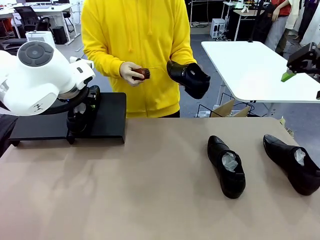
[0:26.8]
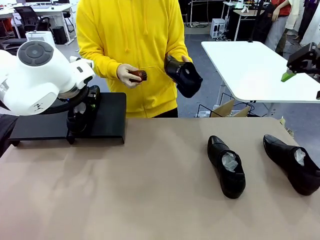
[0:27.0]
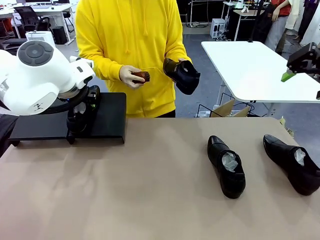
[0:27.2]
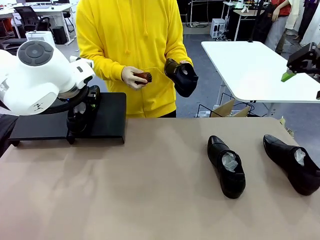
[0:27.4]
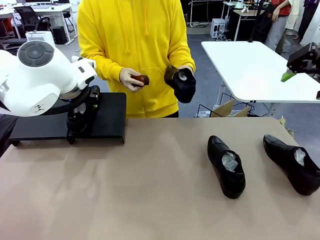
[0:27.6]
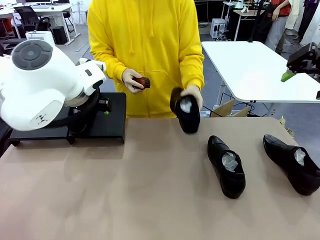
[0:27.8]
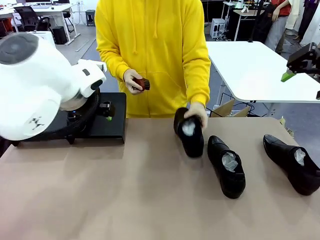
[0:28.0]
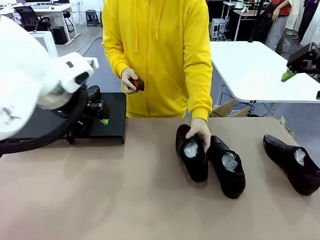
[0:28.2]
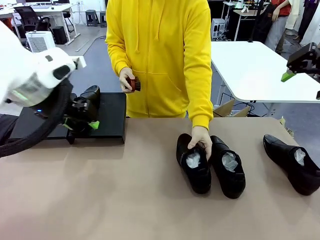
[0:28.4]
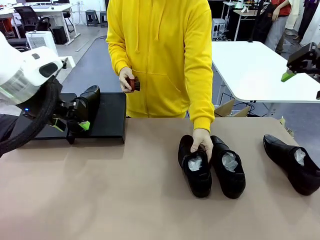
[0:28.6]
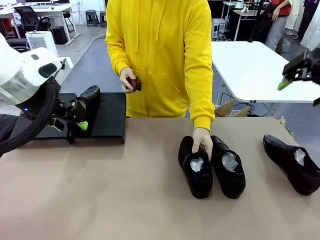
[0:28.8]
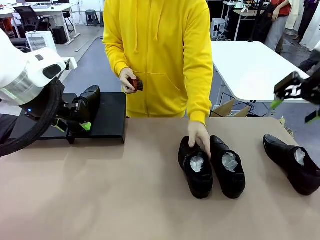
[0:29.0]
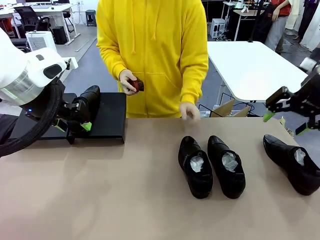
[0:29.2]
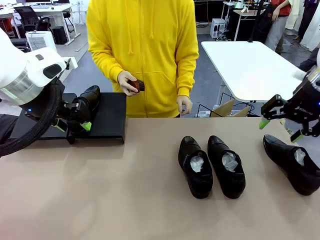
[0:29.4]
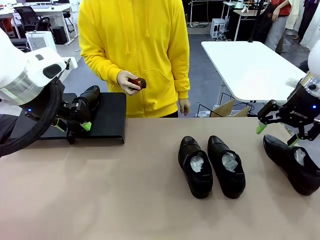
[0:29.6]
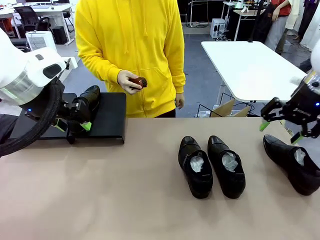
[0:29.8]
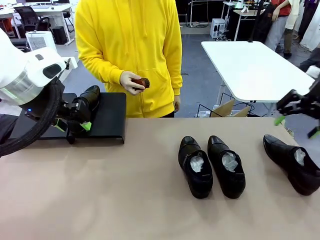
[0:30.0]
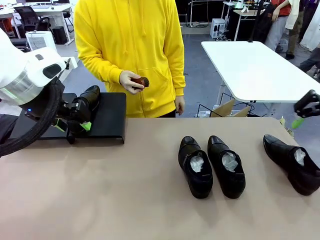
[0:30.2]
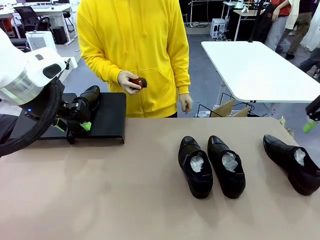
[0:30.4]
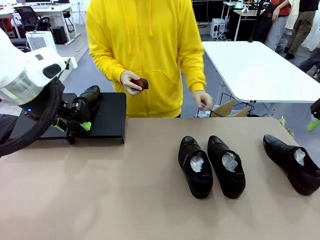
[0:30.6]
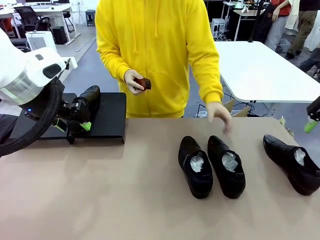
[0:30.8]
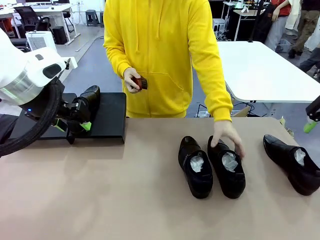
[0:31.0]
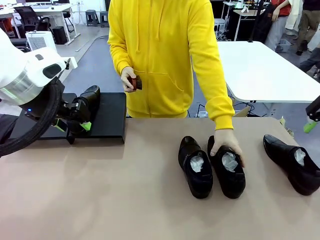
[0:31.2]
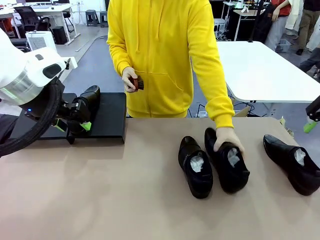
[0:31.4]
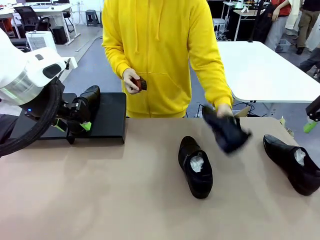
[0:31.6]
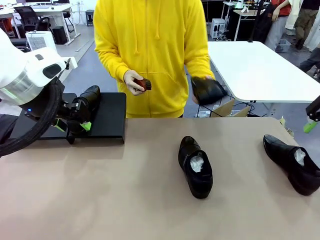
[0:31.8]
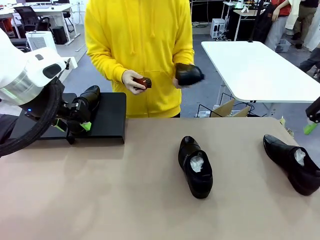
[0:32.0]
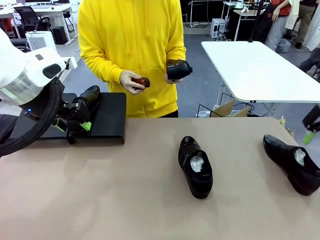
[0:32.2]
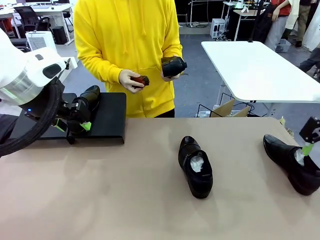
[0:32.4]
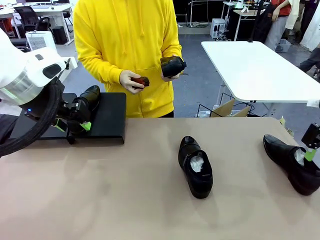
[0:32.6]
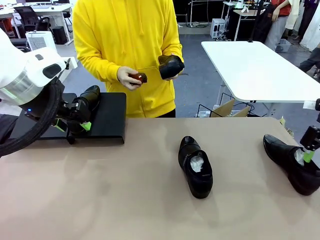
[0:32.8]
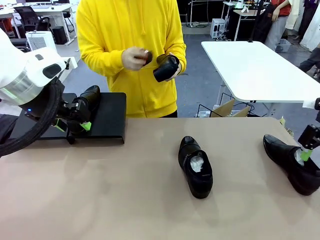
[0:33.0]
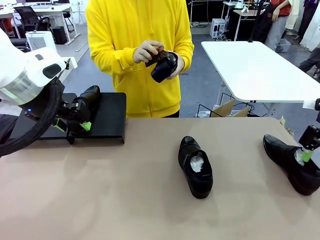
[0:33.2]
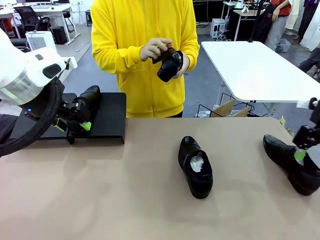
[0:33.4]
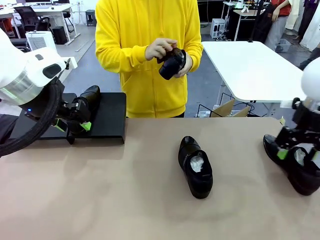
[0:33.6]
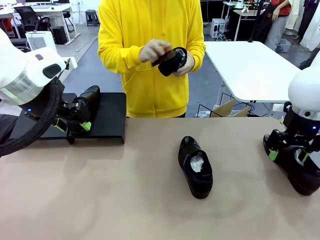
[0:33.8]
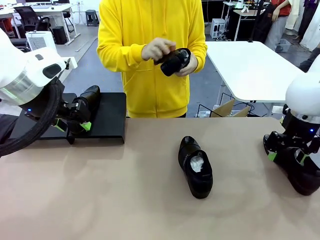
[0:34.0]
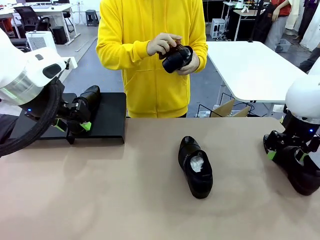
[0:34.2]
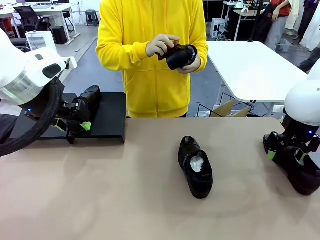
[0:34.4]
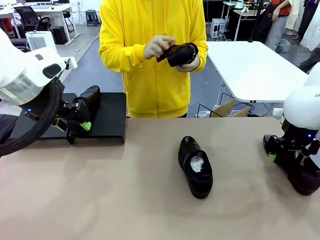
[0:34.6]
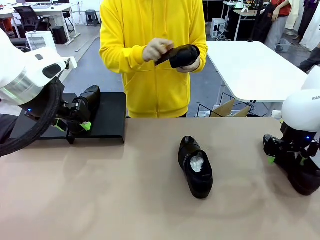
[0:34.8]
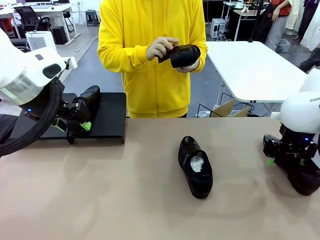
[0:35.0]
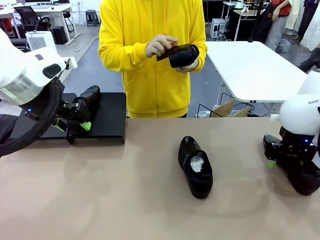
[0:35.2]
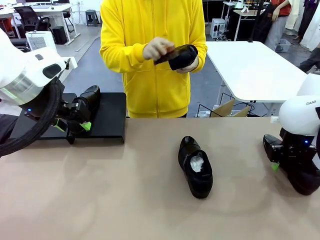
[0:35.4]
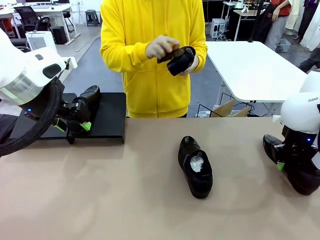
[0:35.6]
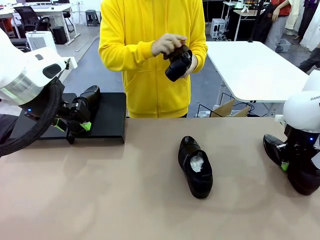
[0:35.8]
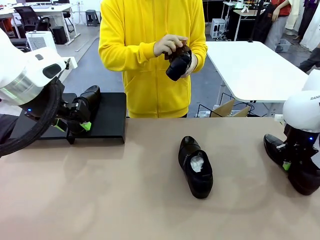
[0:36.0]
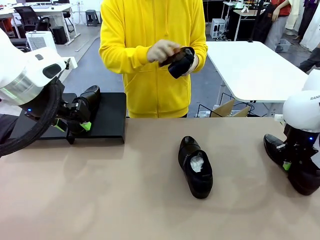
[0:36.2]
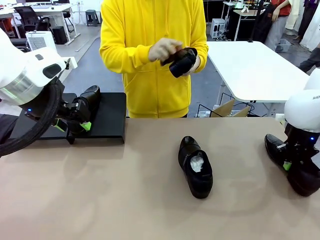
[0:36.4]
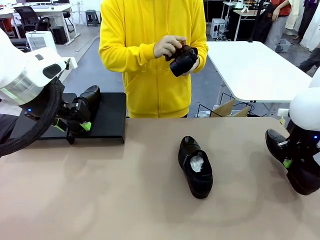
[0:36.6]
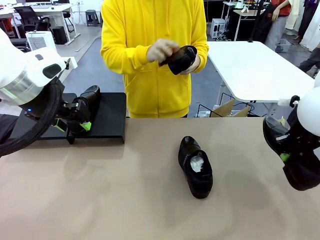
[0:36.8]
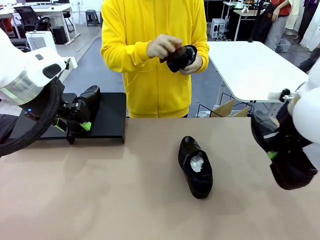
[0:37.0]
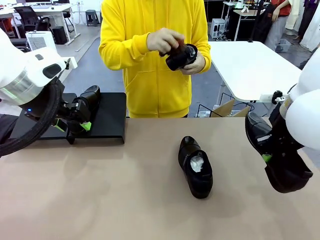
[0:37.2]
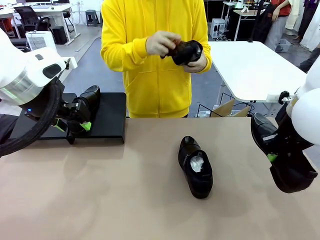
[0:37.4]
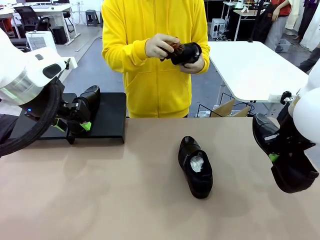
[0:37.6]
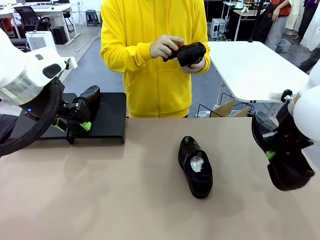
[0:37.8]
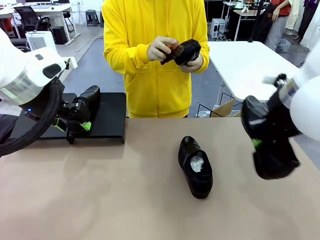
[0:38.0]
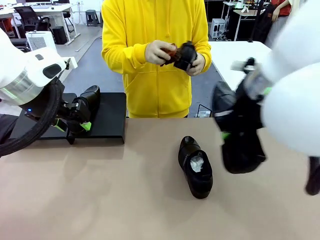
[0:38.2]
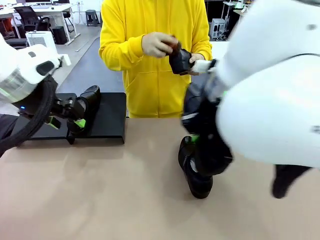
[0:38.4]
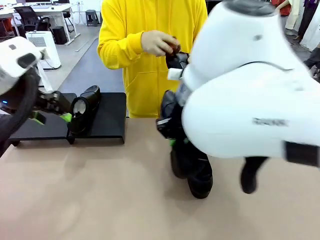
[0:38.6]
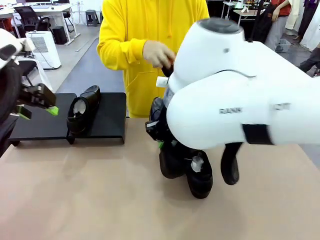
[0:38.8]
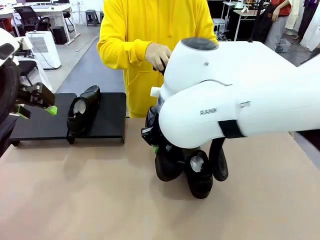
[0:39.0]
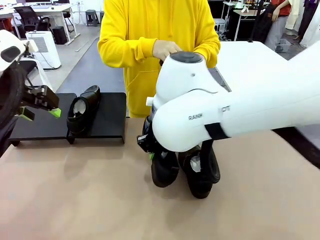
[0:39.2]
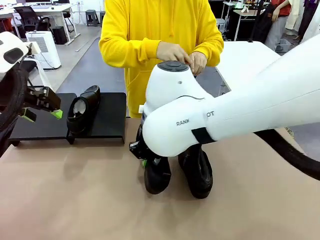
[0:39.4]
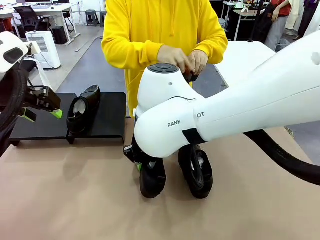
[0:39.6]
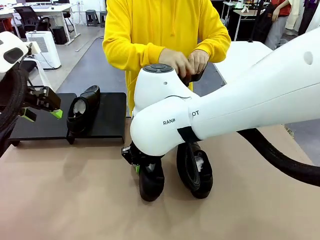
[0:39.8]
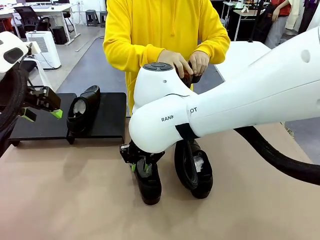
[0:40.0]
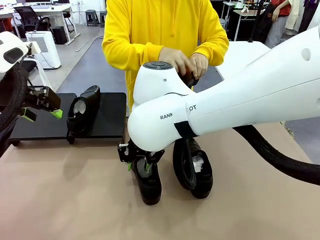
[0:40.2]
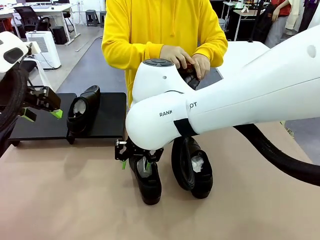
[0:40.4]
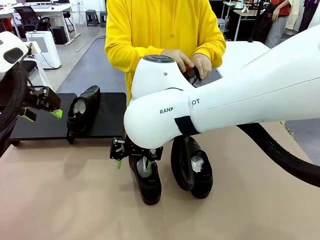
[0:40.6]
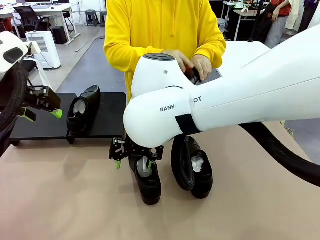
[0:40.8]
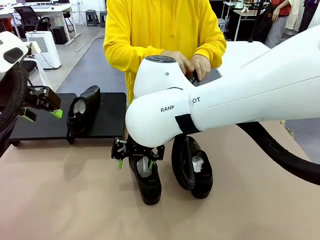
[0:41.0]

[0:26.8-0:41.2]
Task: Organize the shoes by placing them on the stand.
Robot: Pick up one Shoe and place it in the middle of the table.
Person: Place the Shoe on left side of the Robot's table. Pick one Shoe on Robot's table.

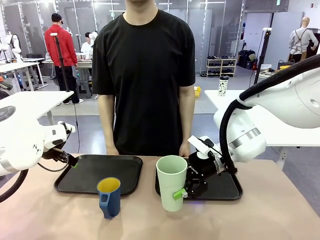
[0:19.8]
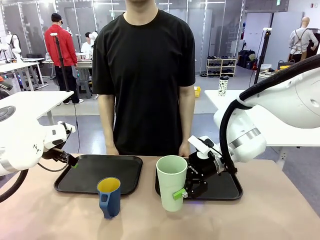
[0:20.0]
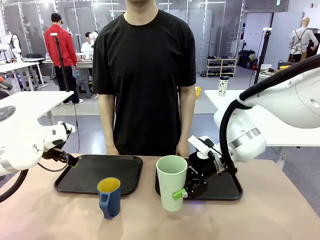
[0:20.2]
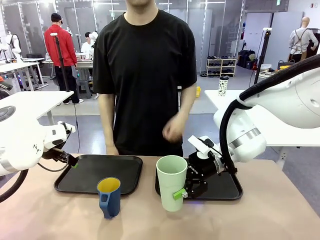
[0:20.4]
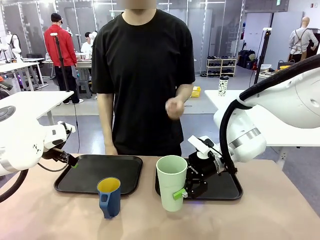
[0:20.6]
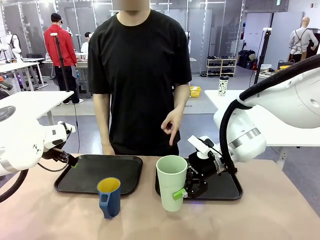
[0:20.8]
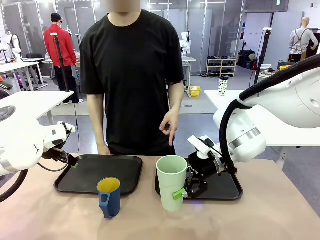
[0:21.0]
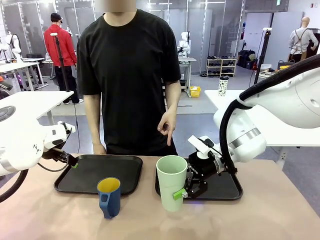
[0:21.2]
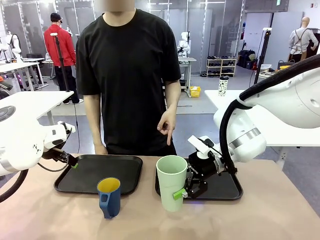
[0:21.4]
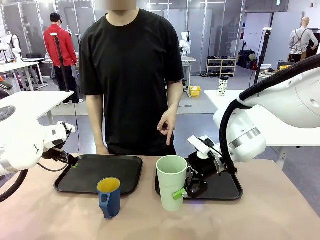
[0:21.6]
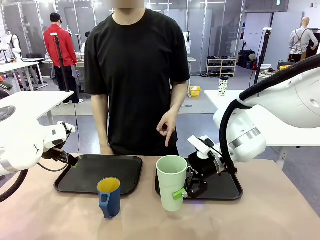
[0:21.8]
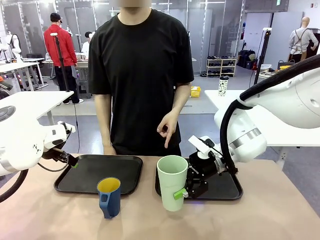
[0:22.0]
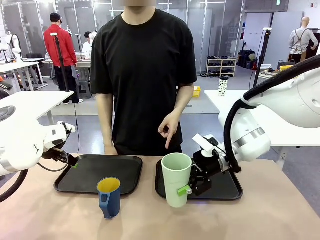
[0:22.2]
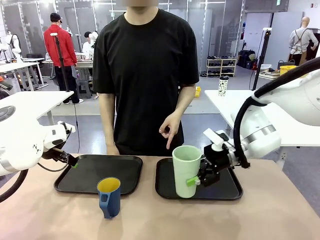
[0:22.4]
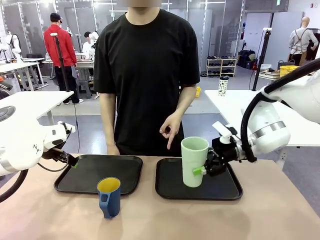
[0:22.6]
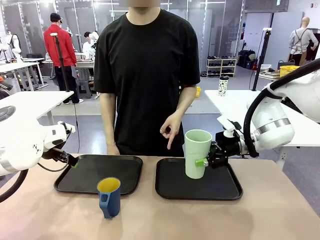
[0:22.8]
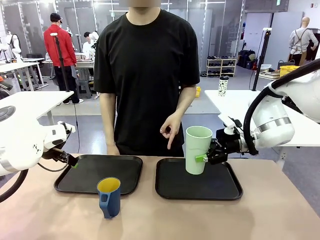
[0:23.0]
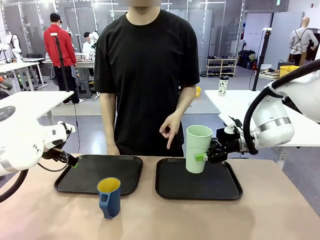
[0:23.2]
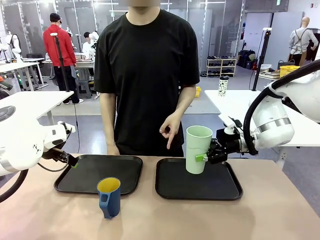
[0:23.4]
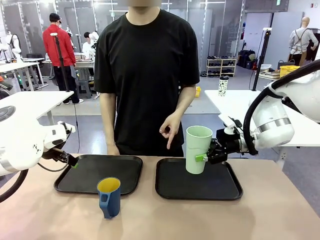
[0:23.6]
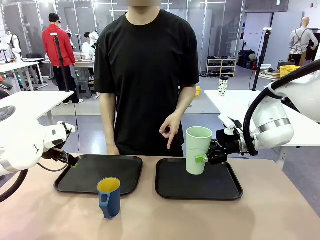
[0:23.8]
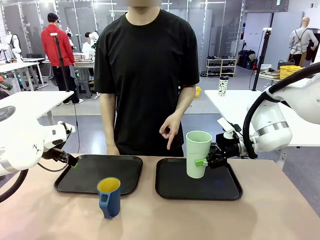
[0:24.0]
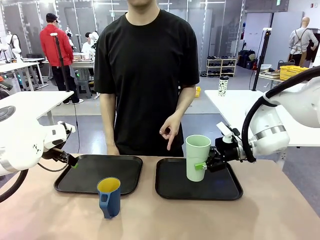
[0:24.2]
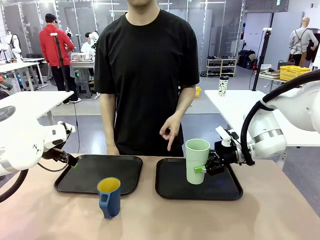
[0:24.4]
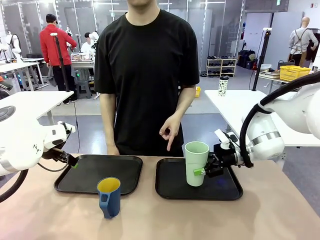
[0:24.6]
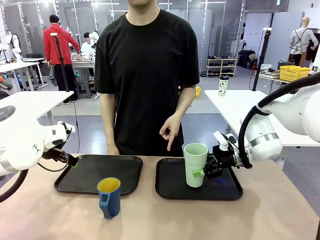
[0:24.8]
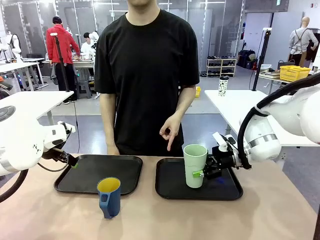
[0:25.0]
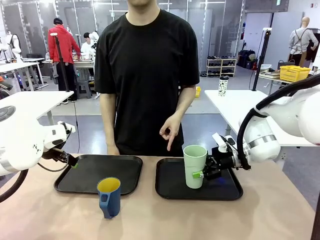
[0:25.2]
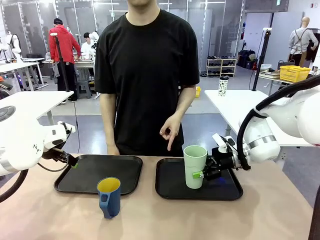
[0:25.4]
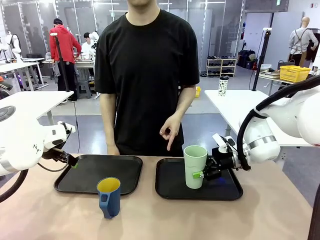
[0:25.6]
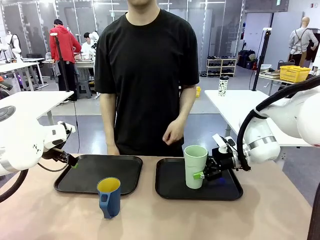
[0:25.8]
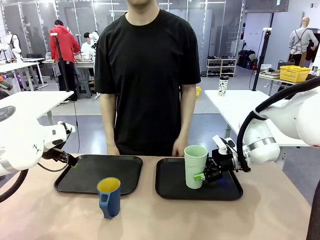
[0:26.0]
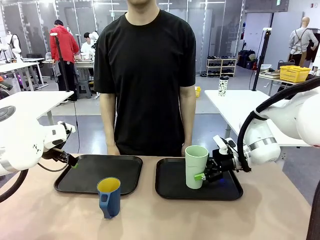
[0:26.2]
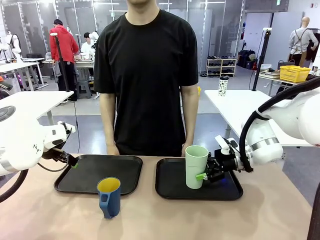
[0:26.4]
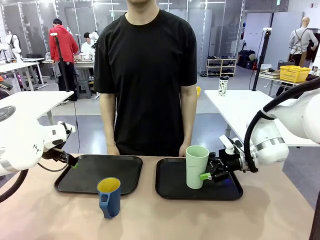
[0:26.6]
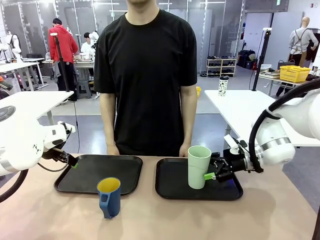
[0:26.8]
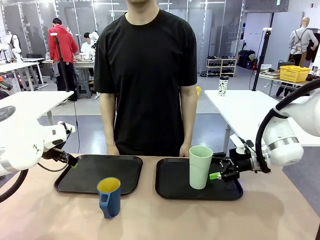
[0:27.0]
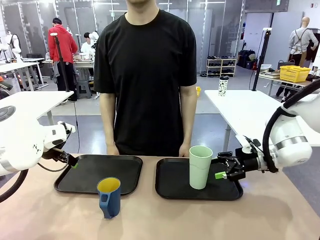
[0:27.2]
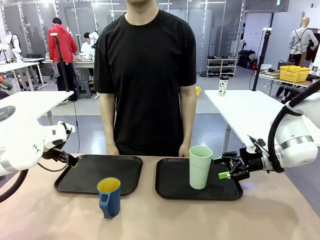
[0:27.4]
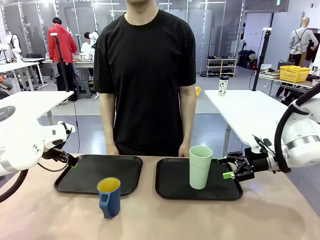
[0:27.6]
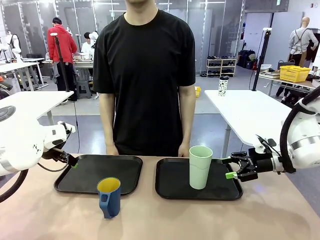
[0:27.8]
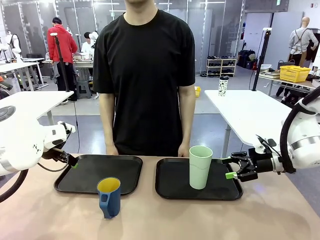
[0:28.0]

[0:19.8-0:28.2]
Task: Sort and store the cups by type.
Robot: Place the picked Reusable plastic cup into the Flat Tray indicated by the person.
